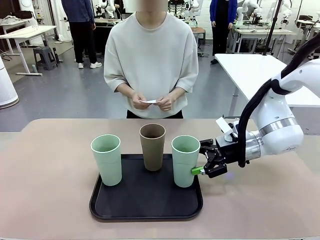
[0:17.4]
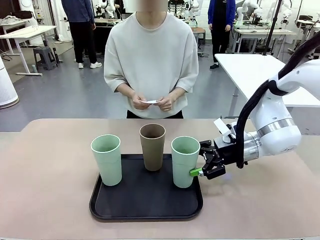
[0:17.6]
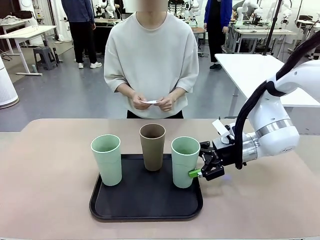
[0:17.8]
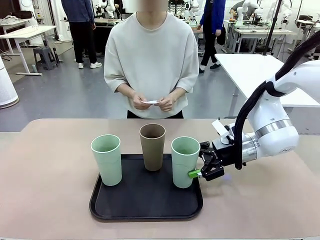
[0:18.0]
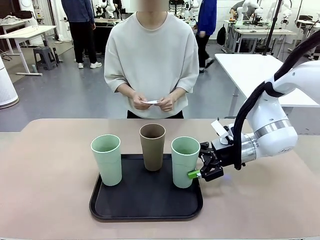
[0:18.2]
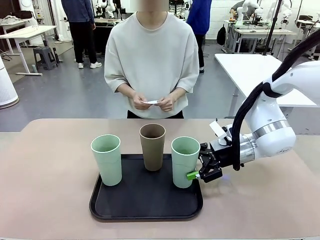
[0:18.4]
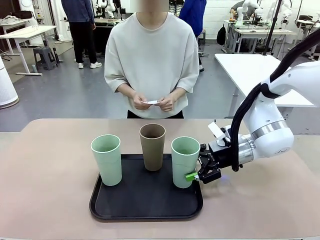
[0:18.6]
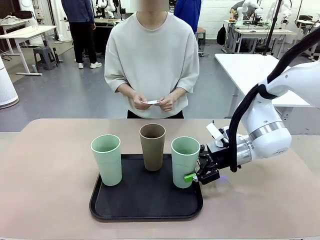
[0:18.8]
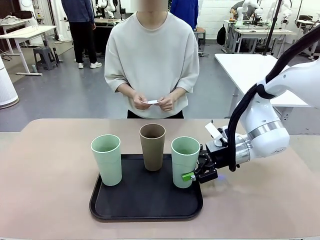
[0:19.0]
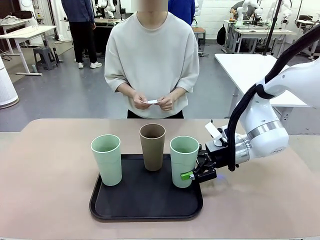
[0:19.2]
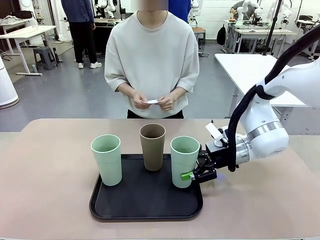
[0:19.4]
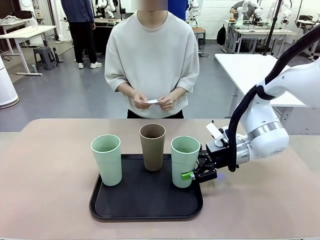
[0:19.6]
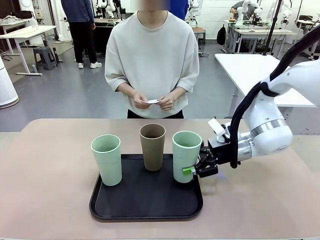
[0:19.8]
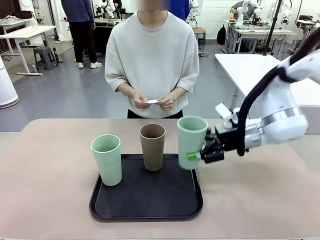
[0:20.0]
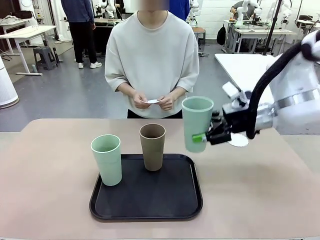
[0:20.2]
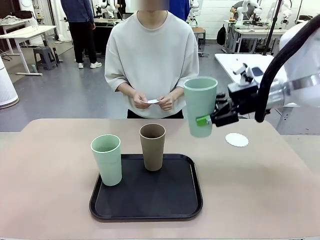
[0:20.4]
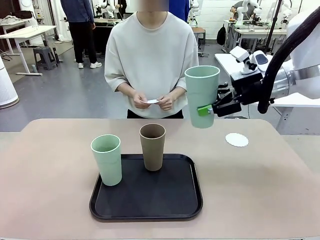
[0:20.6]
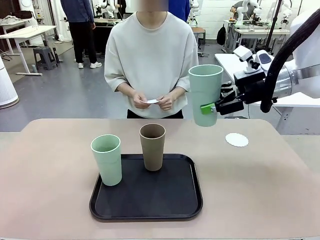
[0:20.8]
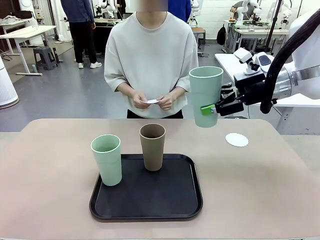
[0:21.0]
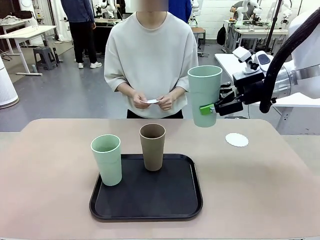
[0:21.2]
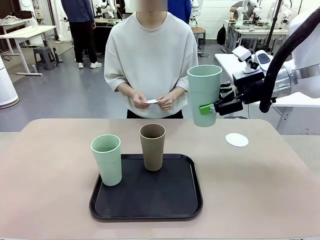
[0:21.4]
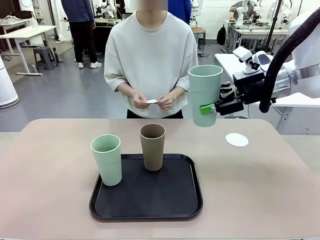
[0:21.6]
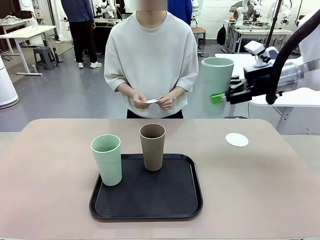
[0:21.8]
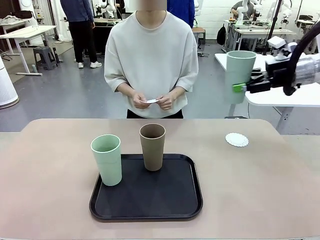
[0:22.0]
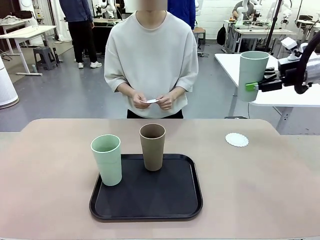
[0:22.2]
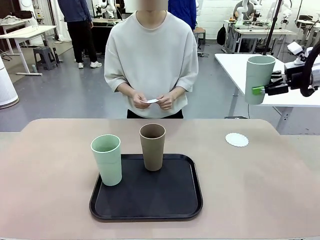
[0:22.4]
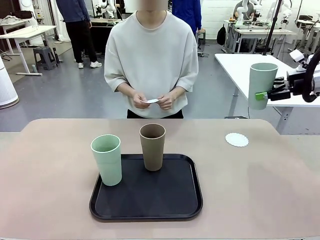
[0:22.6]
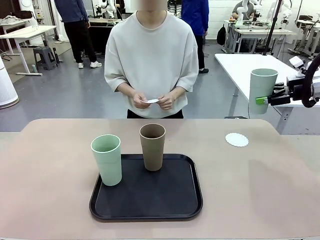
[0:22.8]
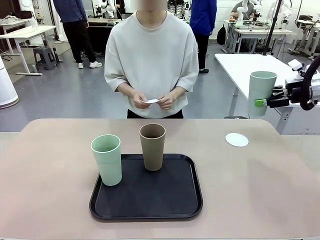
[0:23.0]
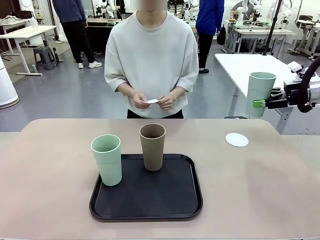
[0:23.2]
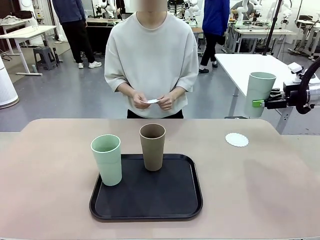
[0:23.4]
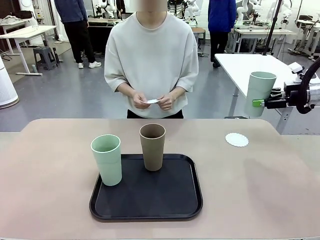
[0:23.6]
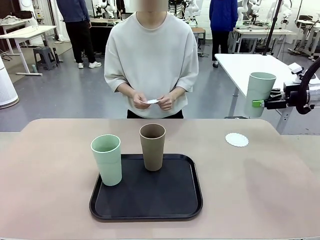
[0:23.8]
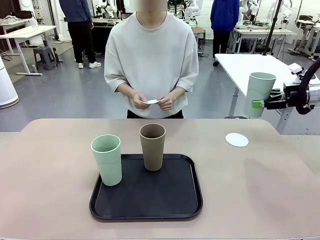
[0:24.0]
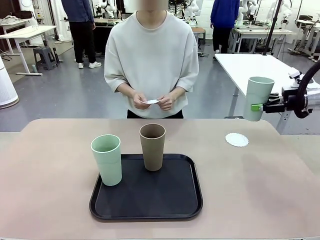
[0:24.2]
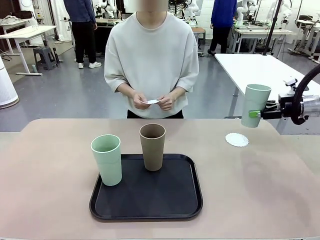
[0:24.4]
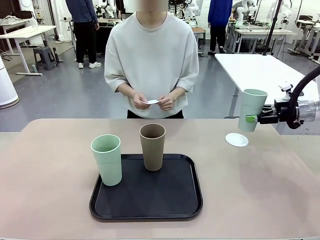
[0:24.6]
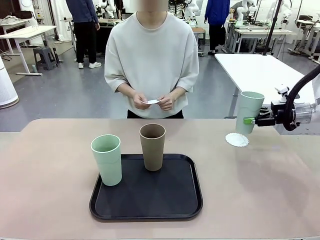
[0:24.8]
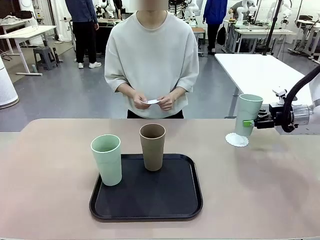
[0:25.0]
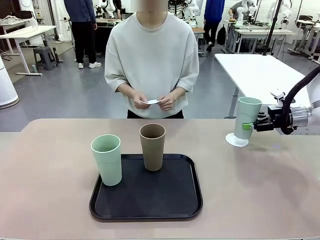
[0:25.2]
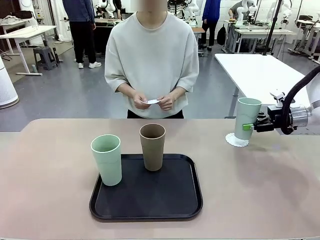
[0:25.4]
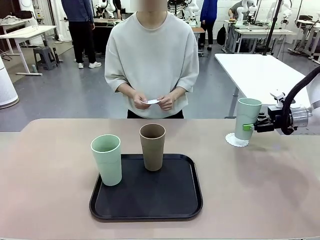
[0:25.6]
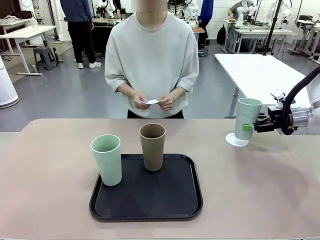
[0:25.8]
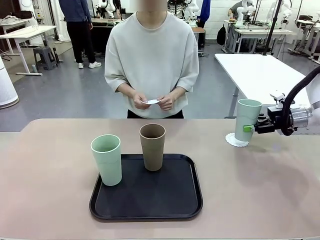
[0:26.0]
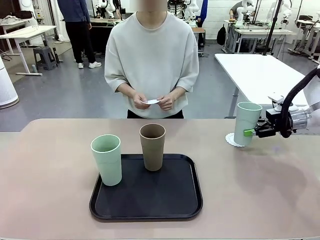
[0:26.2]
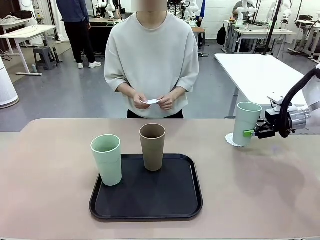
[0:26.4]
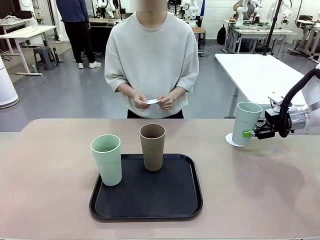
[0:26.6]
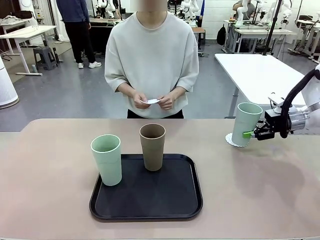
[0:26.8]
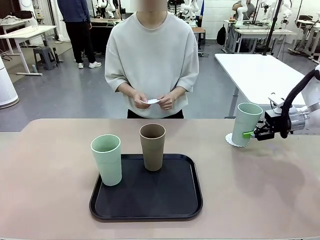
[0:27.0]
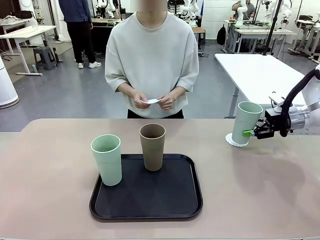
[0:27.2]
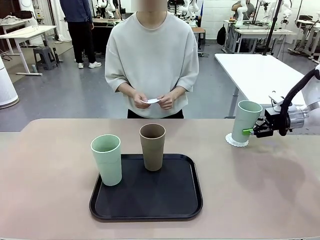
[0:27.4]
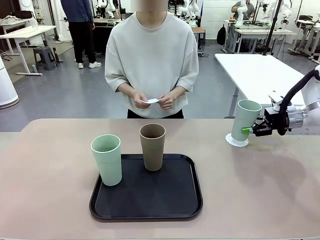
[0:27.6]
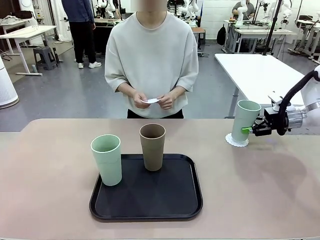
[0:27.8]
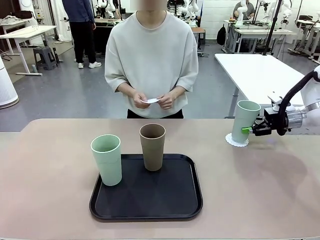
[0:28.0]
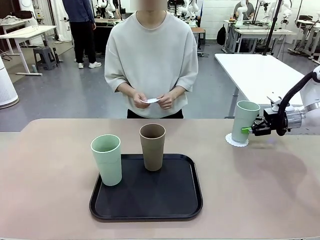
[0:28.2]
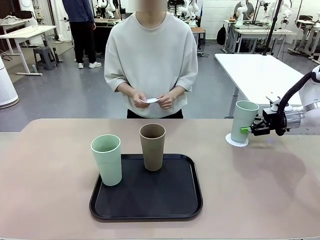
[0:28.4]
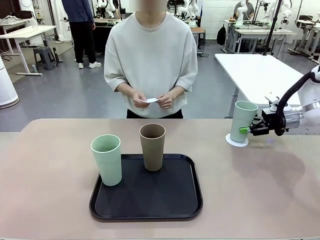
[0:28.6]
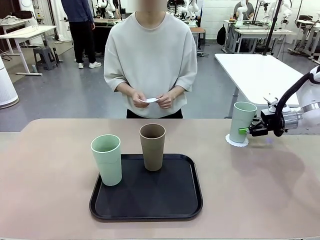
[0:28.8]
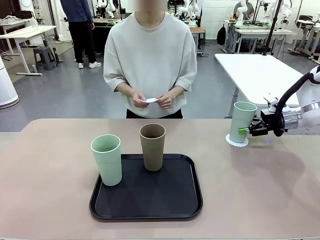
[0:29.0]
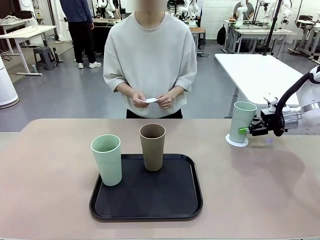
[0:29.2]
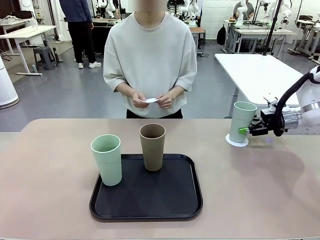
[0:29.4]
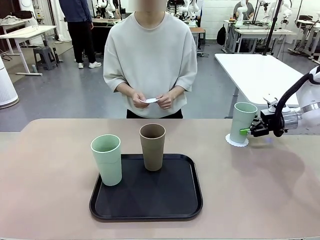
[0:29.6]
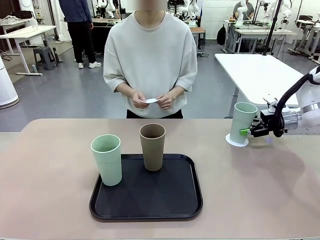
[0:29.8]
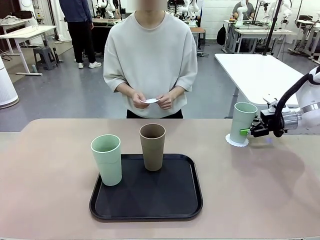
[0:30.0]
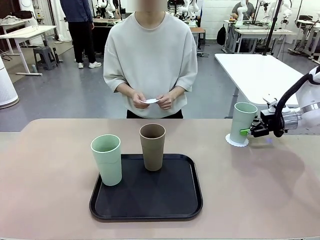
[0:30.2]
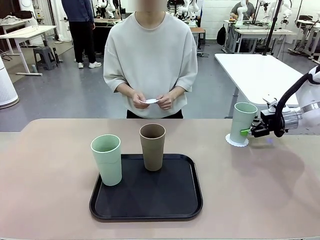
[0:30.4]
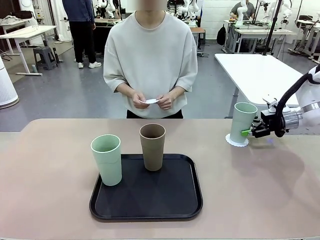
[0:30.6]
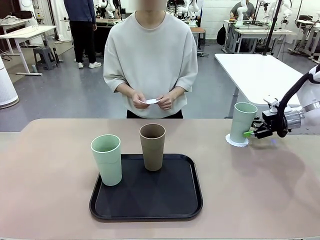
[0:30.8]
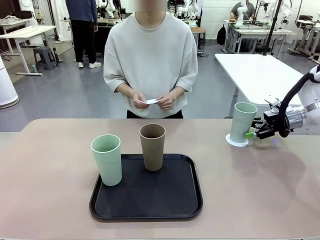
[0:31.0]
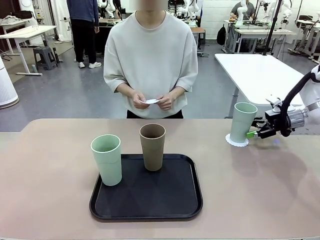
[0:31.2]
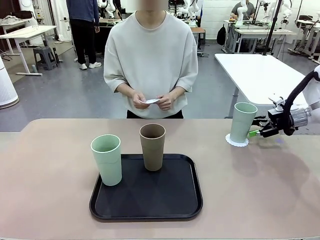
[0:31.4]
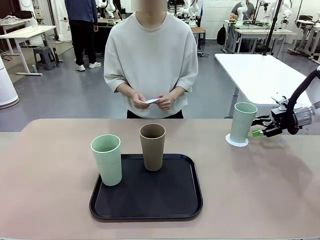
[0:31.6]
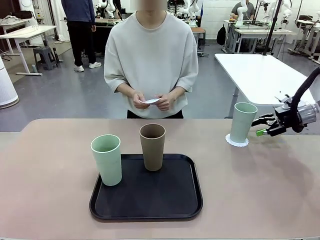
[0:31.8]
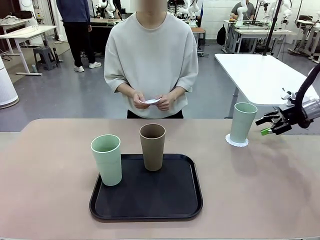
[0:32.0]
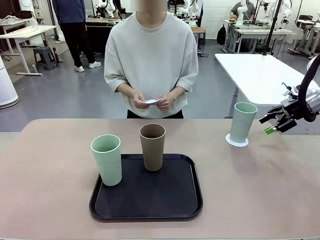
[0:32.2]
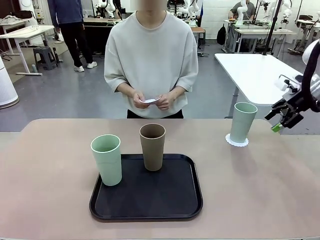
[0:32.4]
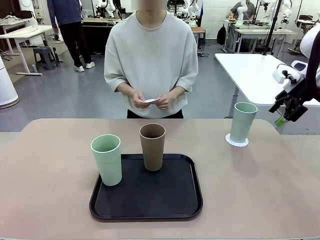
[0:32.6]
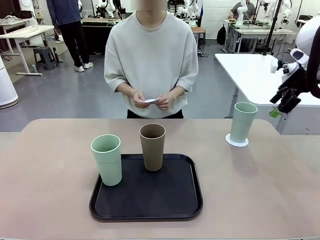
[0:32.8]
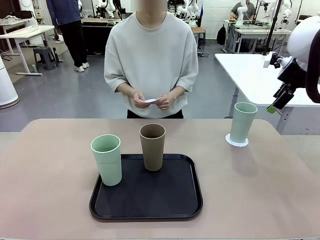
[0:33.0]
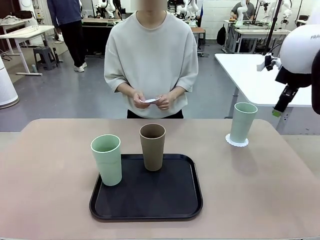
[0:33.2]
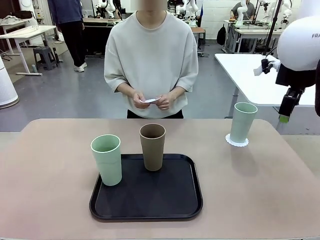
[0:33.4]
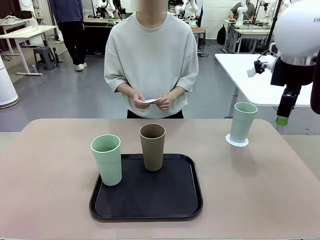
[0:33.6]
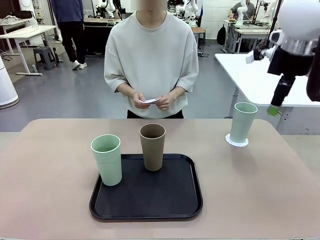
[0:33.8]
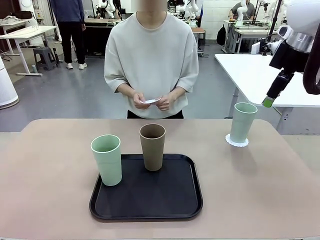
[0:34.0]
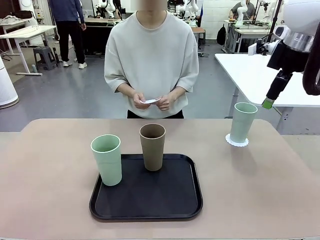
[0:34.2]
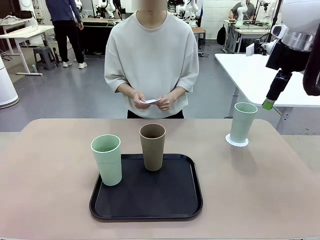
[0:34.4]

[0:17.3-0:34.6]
Task: Place coasters on the table and set cups on them.
Robot: Pick up one Reusable plastic cup and place it on a coaster set by the human.
Person: Place one coaster in one of the two areas excluding the previously selected area.

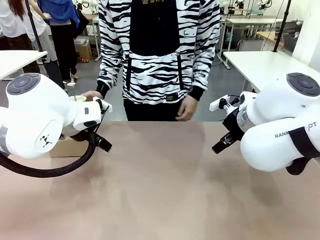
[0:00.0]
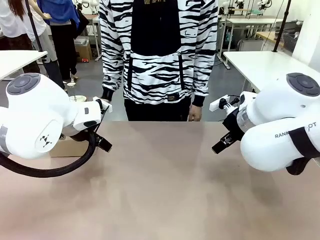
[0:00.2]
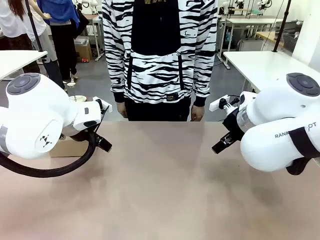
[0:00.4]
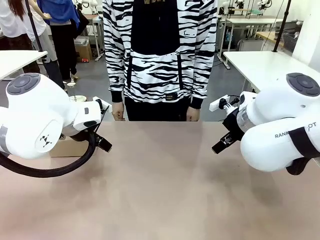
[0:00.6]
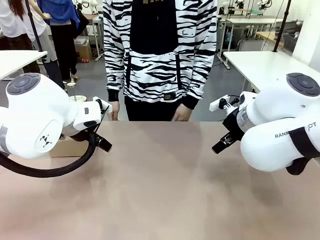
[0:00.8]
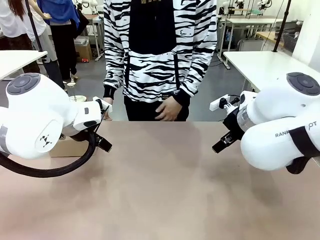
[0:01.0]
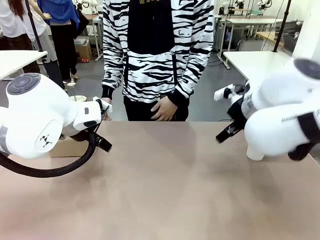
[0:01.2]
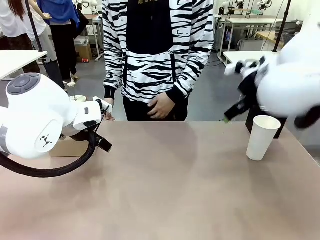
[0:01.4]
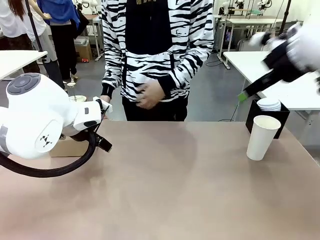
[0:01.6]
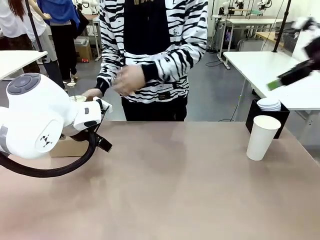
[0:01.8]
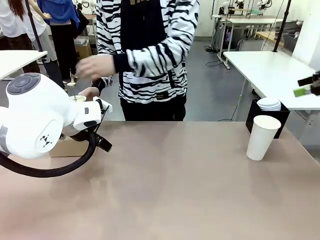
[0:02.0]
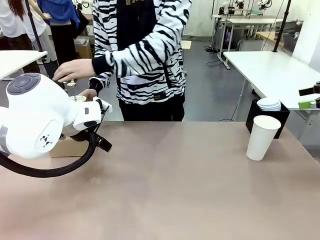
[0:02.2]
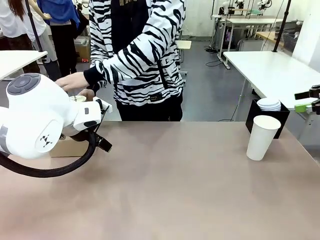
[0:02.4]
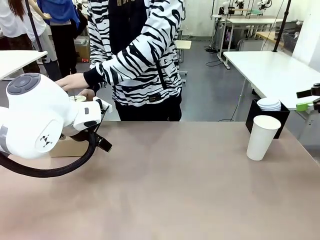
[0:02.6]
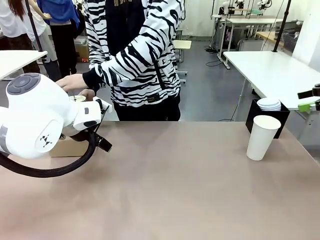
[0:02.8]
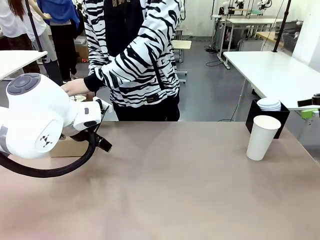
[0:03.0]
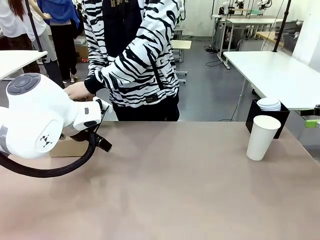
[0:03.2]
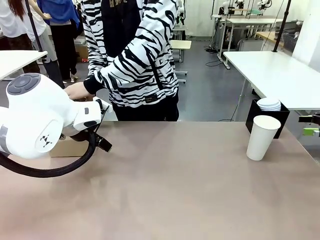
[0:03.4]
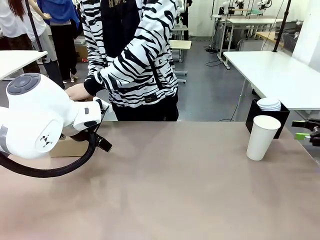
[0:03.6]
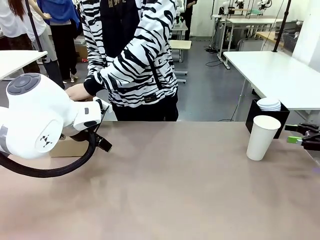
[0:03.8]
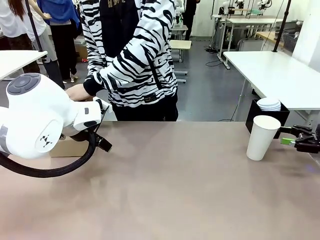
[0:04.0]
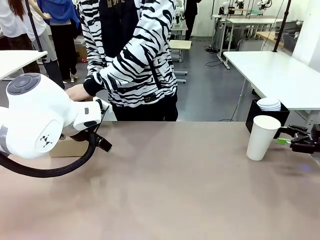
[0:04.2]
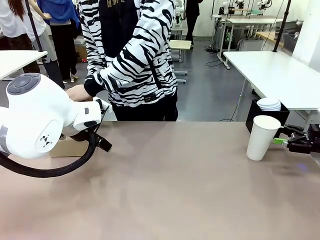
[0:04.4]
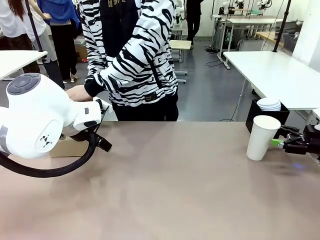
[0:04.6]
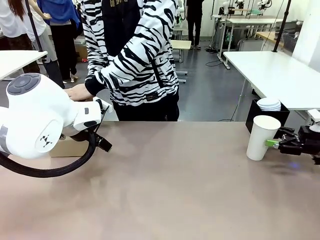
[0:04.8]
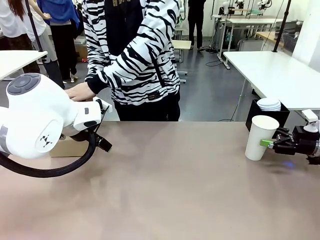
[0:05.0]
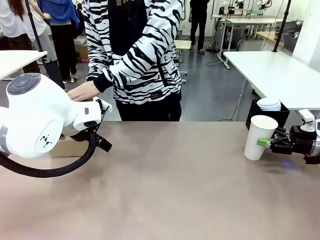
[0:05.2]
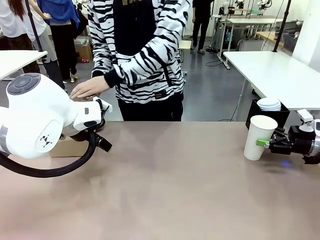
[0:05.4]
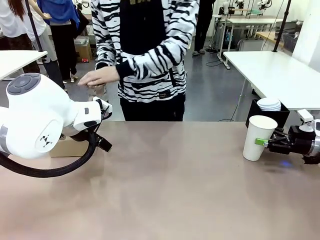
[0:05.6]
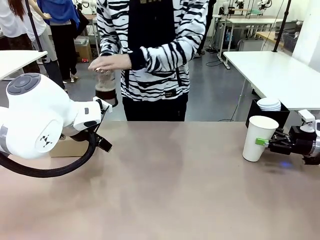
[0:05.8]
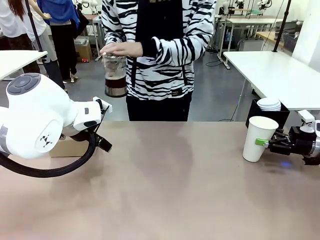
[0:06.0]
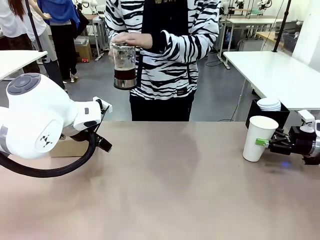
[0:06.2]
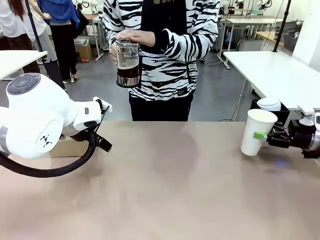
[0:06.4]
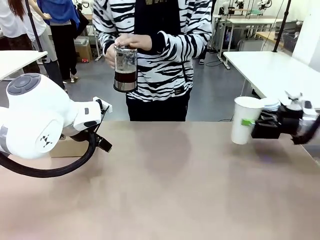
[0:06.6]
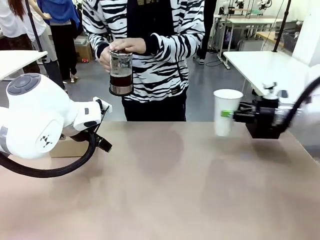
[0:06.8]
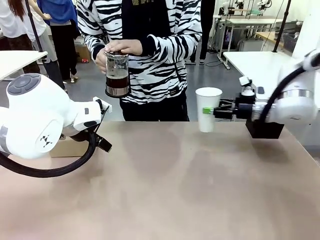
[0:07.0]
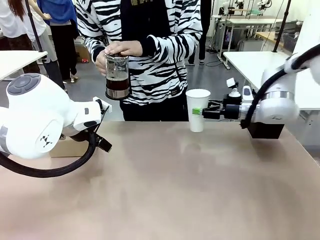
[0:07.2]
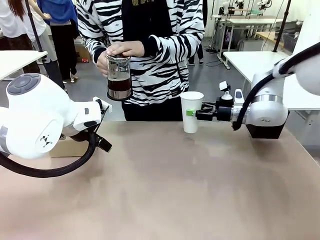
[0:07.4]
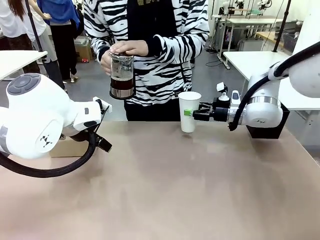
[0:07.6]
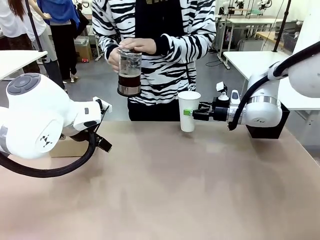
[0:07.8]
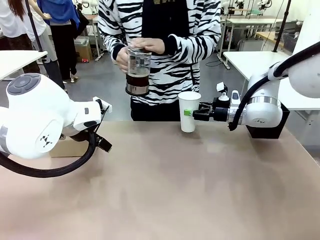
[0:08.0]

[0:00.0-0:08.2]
Task: Pour a drink into a cup and package it in a carrier.
Robot: Pick up the 600 ml Paper Cup and place it in the middle top area of the table.
Person: Press and pick up the Filter Brewing.
